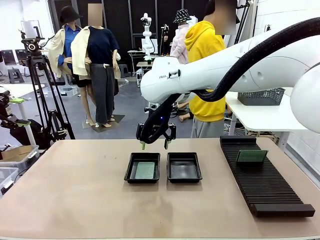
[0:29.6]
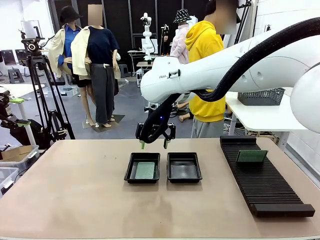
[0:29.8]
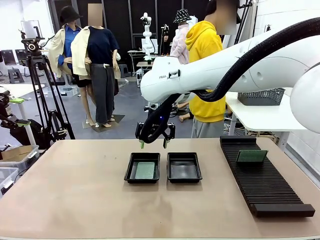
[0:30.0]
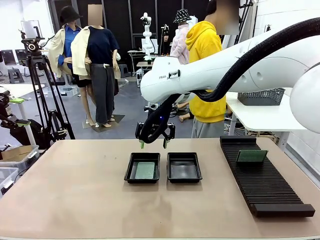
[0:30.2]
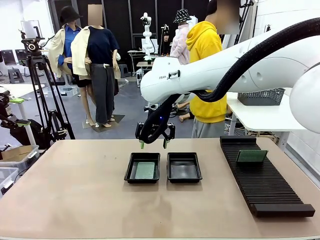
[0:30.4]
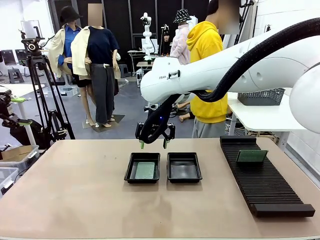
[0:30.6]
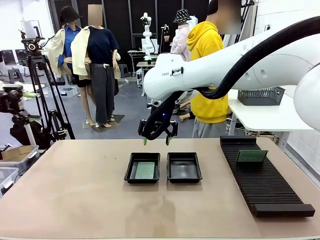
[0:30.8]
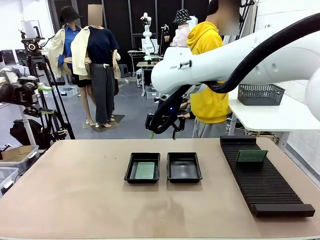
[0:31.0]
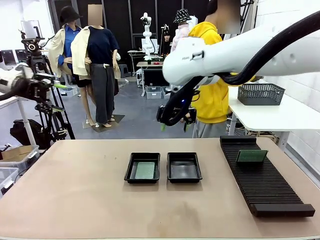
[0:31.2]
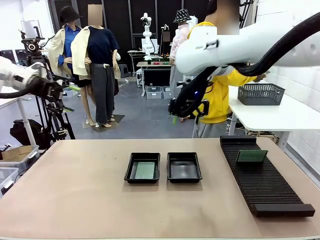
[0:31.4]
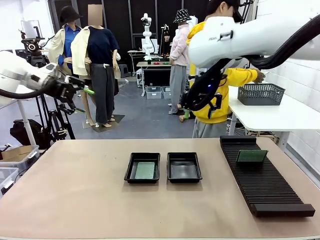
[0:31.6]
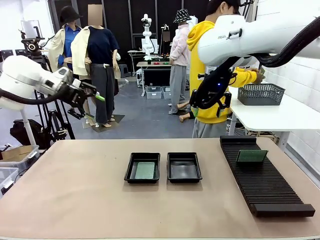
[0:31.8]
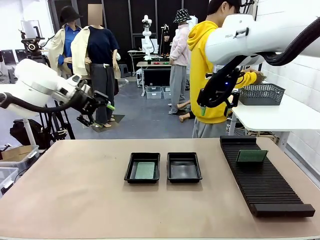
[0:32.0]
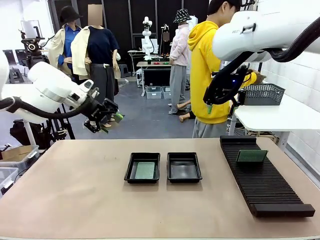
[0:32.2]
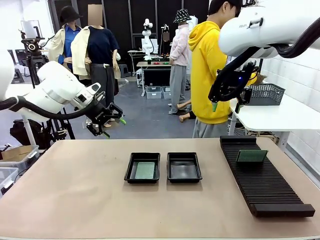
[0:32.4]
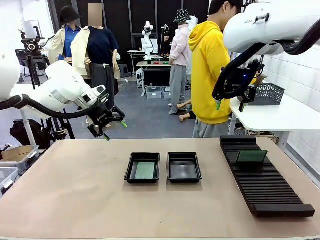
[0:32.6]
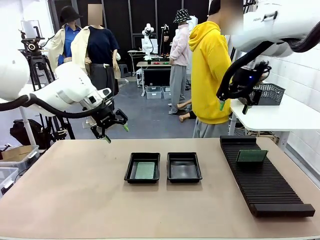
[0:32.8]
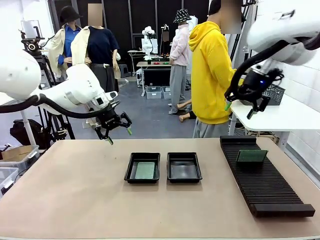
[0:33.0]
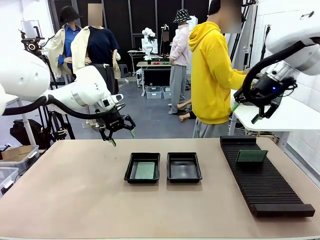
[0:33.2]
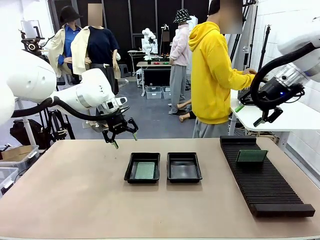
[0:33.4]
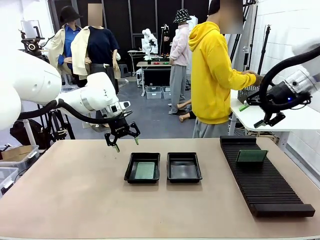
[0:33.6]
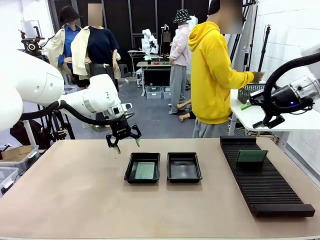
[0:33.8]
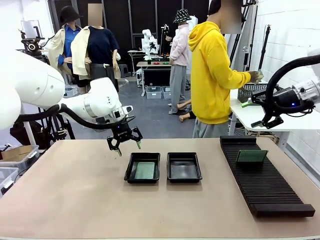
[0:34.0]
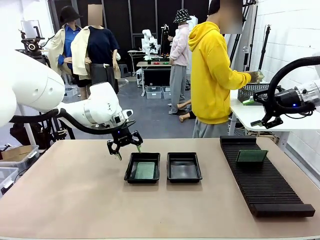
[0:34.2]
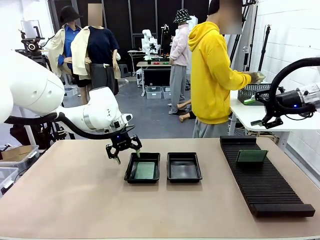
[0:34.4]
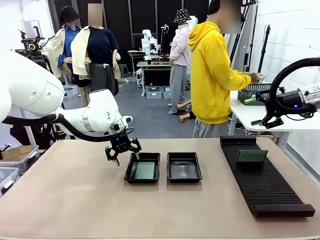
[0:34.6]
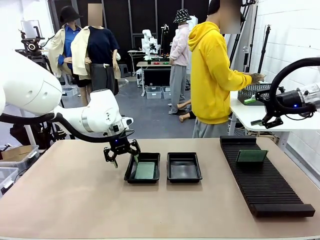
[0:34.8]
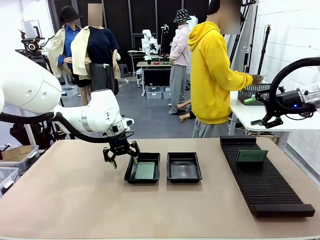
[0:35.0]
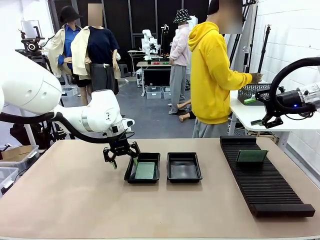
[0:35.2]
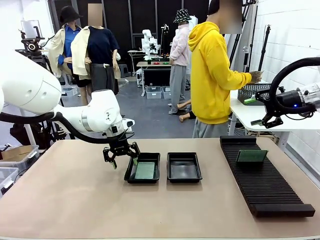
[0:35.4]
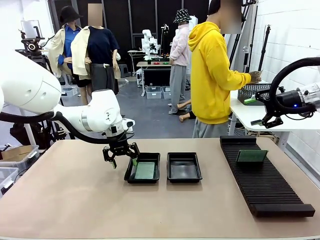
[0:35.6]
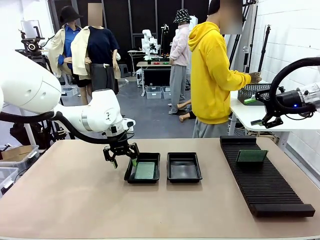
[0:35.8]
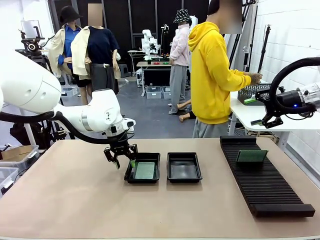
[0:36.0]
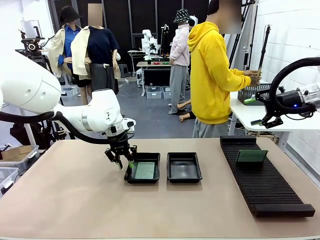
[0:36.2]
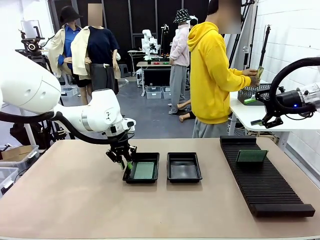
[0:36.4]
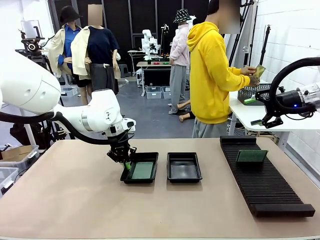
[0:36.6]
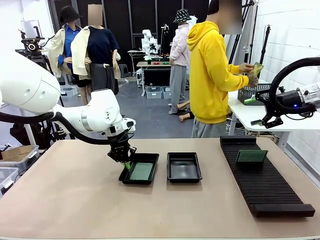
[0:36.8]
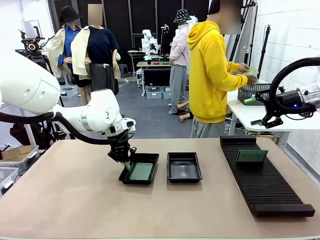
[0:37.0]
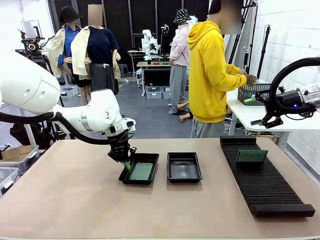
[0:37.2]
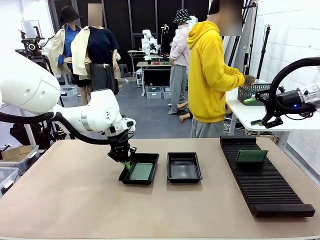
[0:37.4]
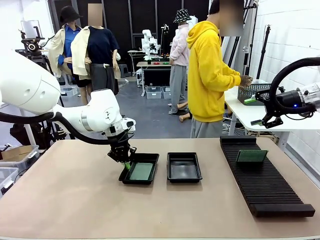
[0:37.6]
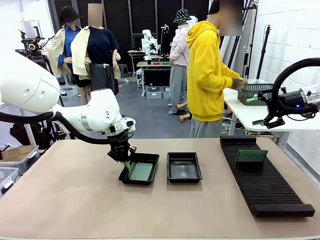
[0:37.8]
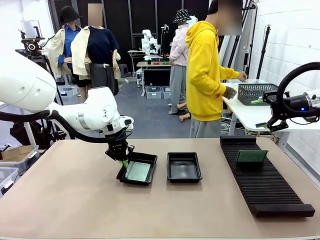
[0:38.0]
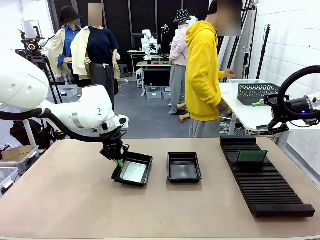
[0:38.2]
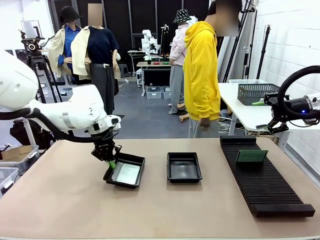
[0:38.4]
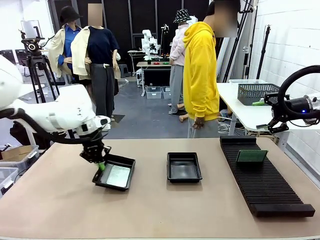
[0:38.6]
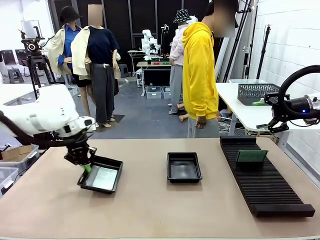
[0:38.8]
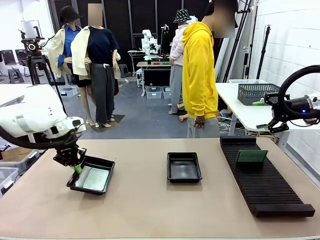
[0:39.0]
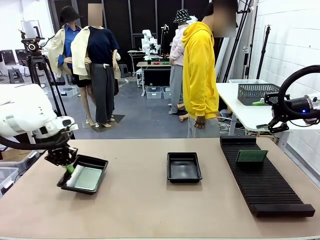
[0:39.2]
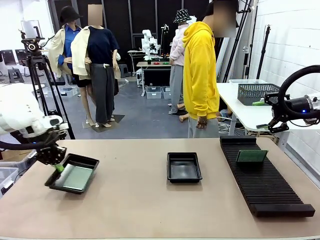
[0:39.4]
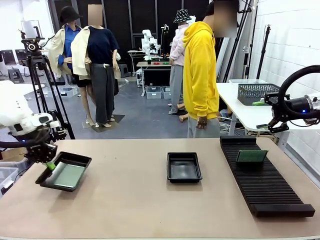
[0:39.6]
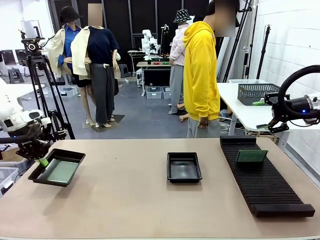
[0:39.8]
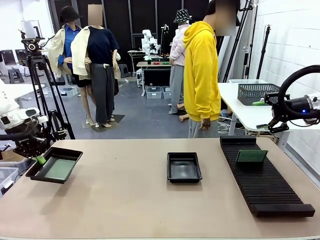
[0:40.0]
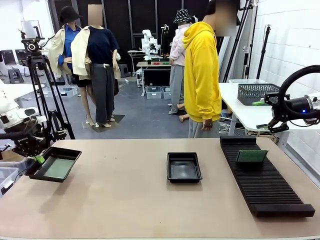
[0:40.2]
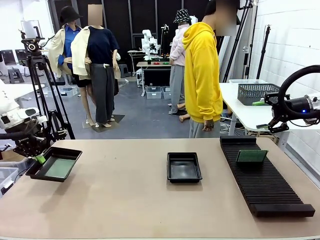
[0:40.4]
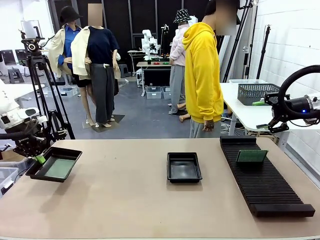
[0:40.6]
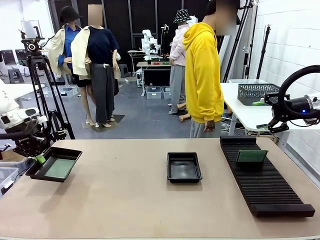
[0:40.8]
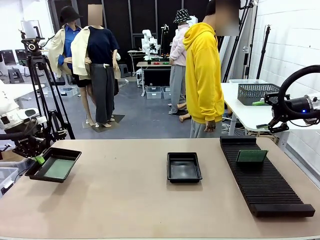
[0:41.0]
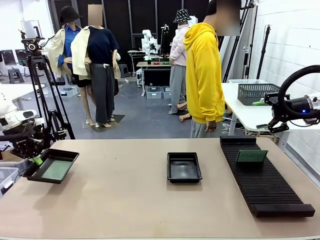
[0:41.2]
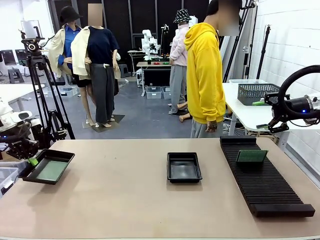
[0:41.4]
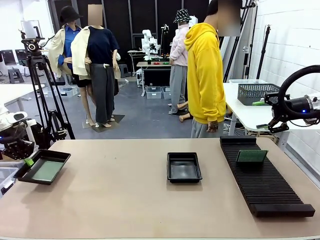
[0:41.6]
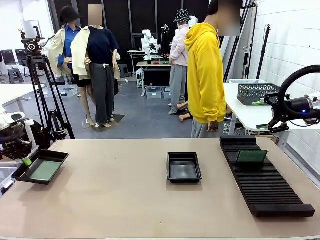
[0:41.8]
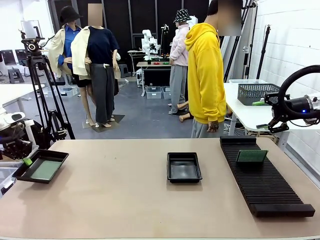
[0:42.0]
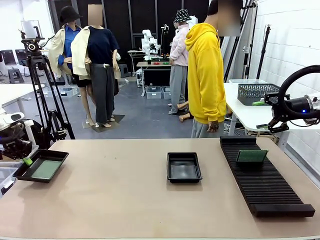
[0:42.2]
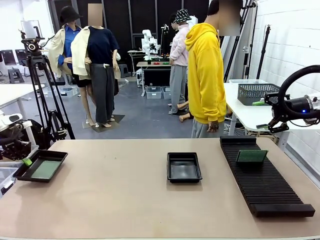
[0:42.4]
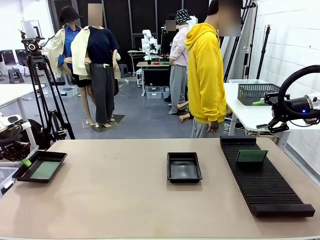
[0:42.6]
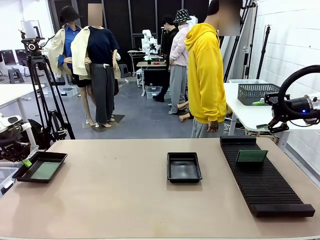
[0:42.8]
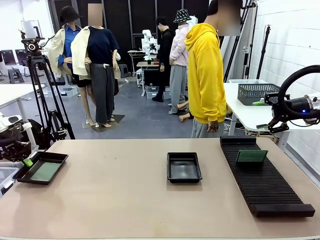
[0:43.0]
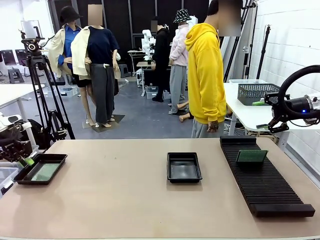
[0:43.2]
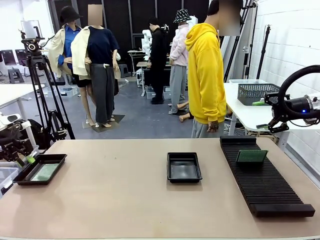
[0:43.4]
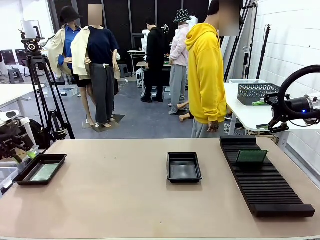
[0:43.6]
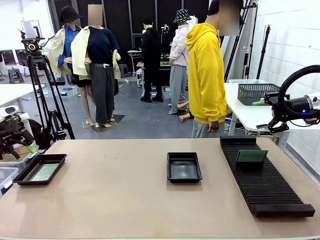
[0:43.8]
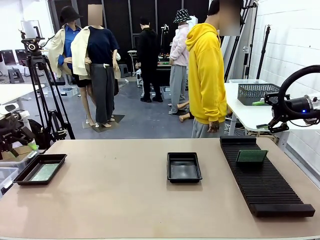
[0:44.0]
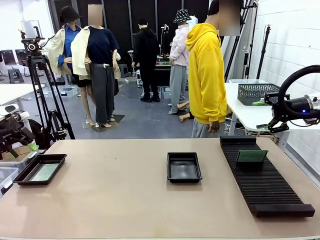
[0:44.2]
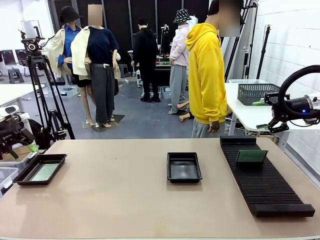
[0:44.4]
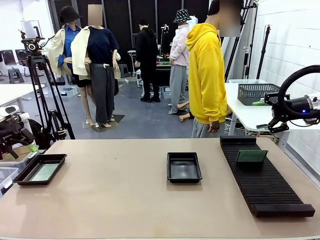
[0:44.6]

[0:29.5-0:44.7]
Task: Inspect and transfer BCBs to ESD trays.
Robot: Pick up the ESD tray and place it on the left side of the table.
